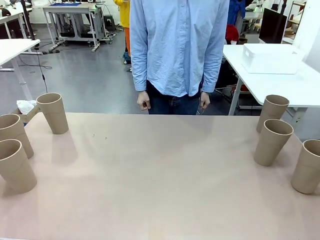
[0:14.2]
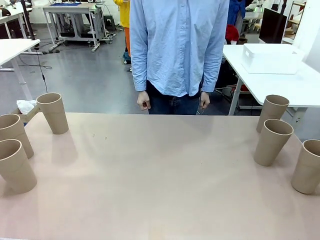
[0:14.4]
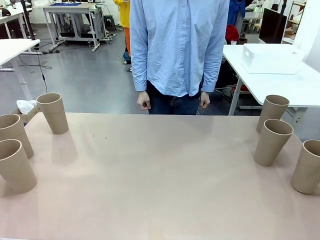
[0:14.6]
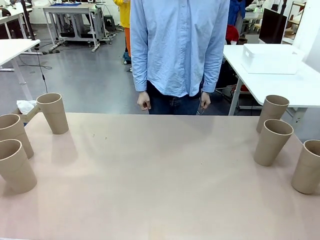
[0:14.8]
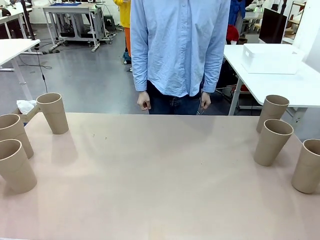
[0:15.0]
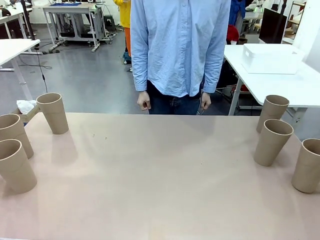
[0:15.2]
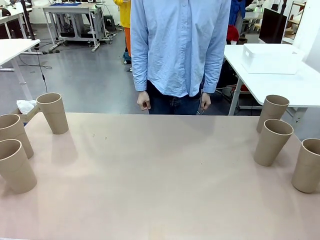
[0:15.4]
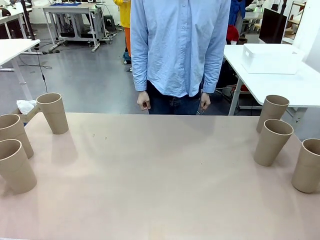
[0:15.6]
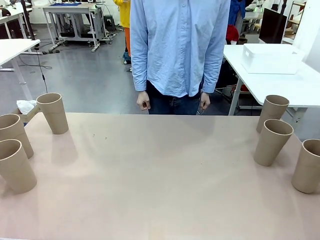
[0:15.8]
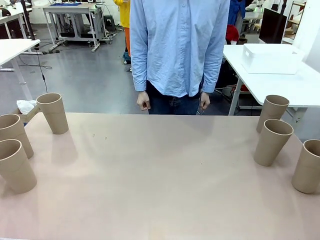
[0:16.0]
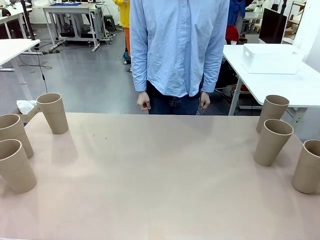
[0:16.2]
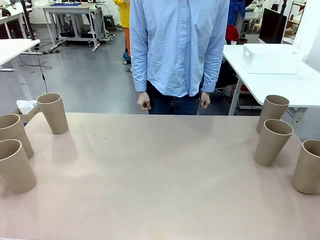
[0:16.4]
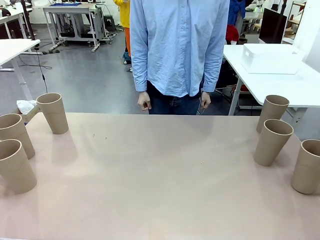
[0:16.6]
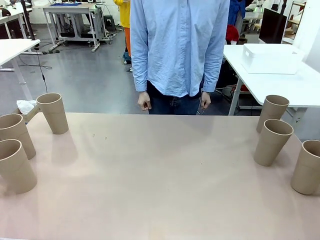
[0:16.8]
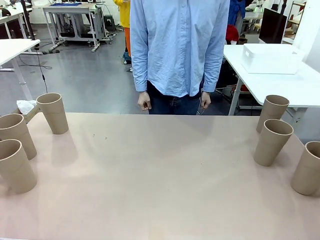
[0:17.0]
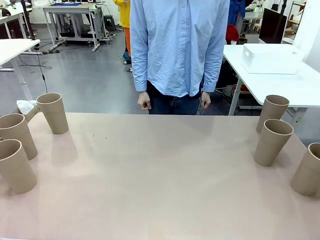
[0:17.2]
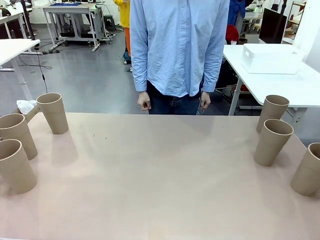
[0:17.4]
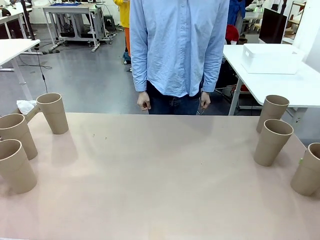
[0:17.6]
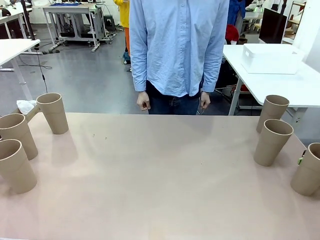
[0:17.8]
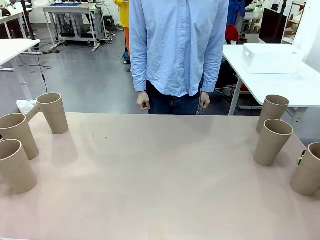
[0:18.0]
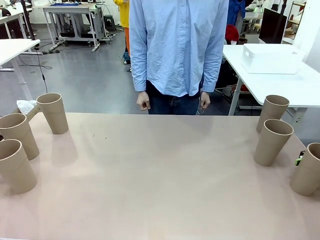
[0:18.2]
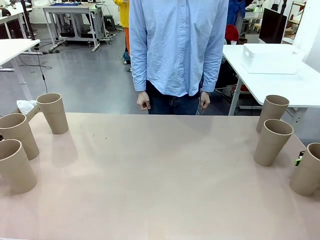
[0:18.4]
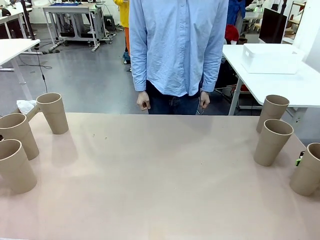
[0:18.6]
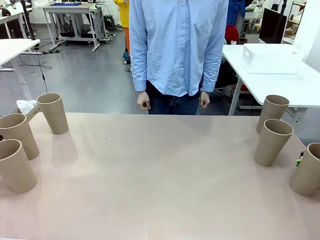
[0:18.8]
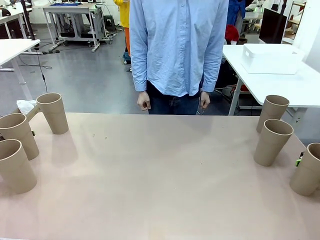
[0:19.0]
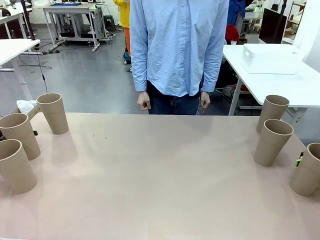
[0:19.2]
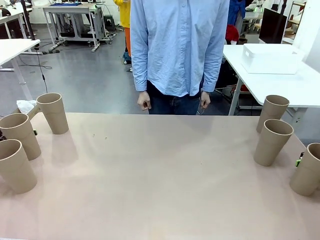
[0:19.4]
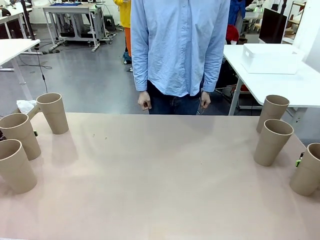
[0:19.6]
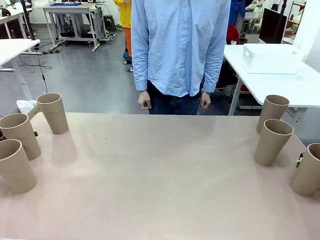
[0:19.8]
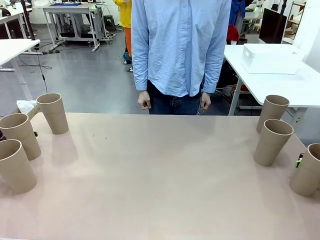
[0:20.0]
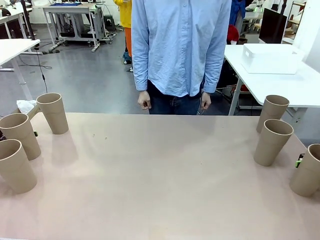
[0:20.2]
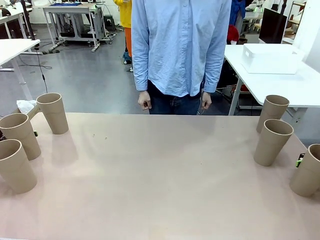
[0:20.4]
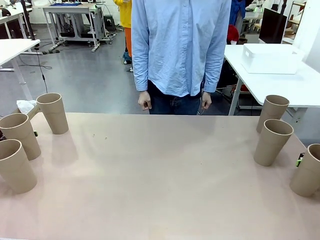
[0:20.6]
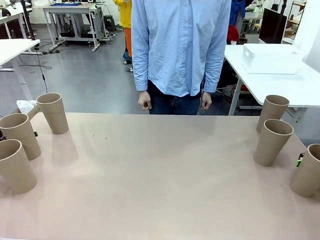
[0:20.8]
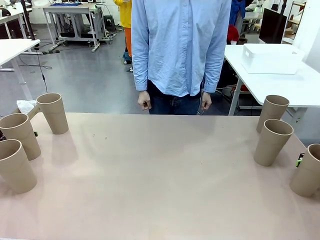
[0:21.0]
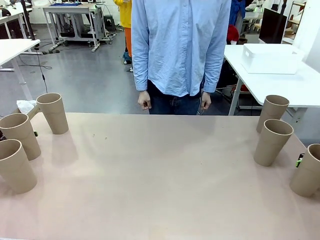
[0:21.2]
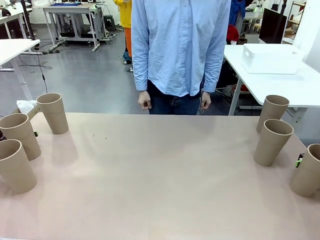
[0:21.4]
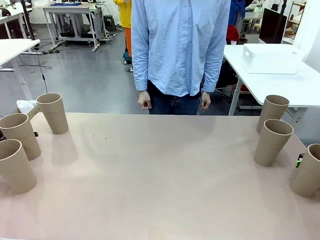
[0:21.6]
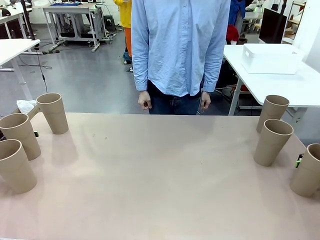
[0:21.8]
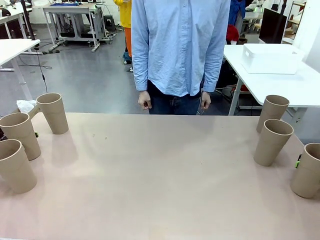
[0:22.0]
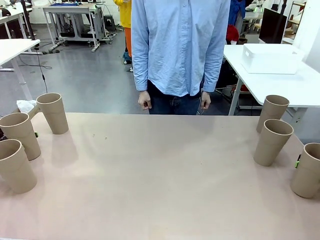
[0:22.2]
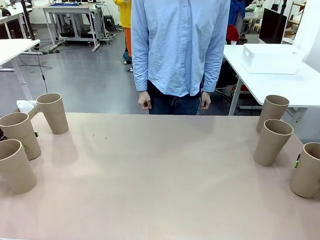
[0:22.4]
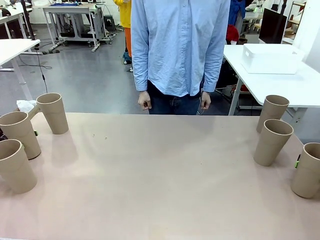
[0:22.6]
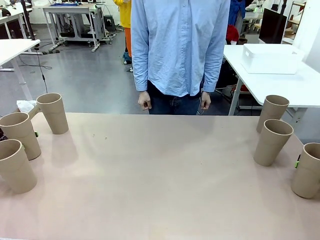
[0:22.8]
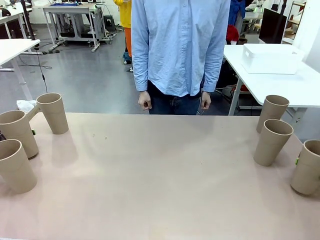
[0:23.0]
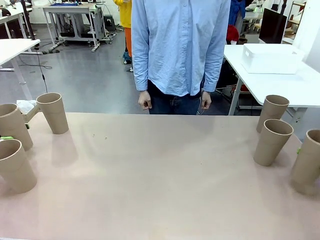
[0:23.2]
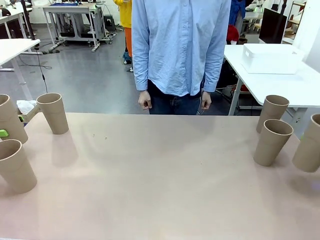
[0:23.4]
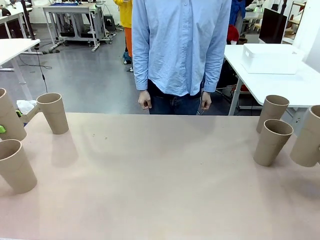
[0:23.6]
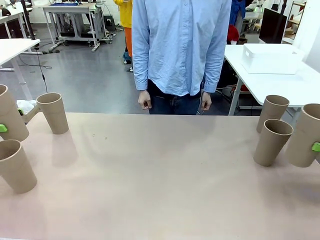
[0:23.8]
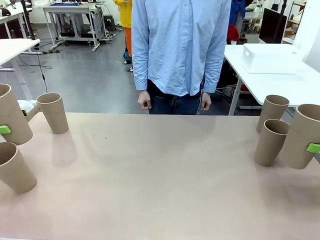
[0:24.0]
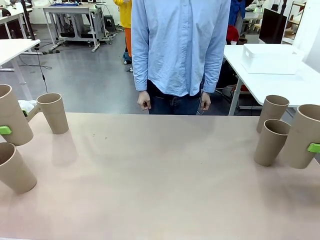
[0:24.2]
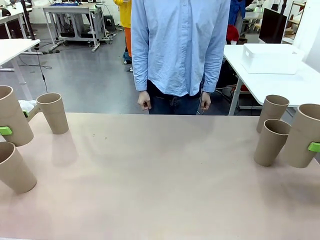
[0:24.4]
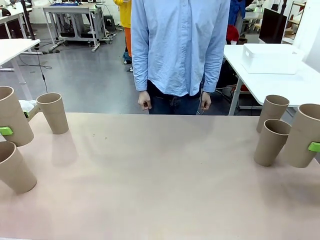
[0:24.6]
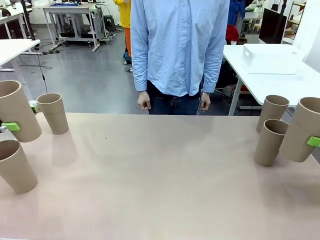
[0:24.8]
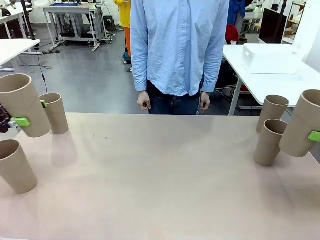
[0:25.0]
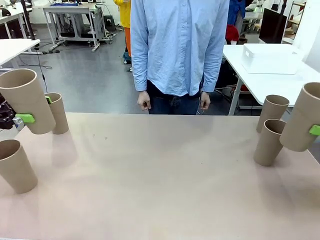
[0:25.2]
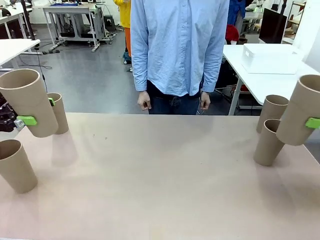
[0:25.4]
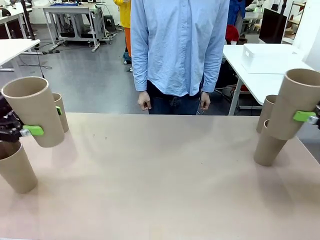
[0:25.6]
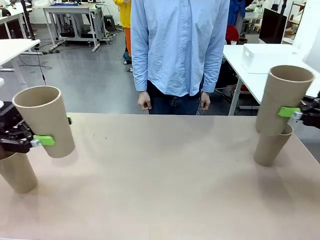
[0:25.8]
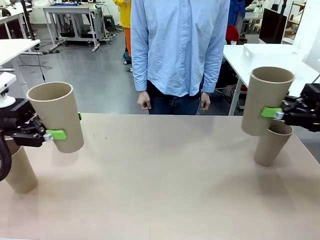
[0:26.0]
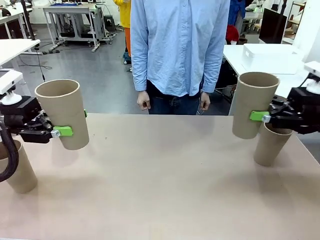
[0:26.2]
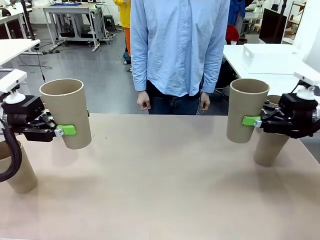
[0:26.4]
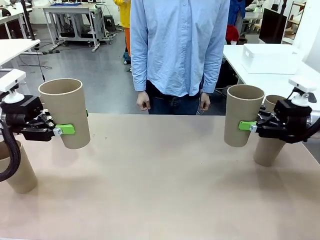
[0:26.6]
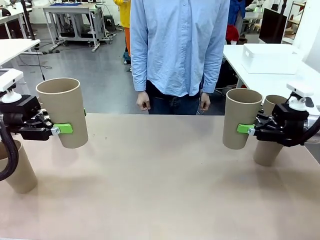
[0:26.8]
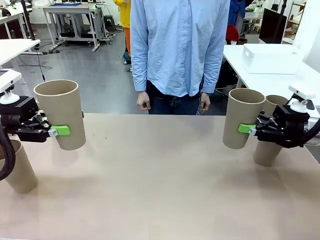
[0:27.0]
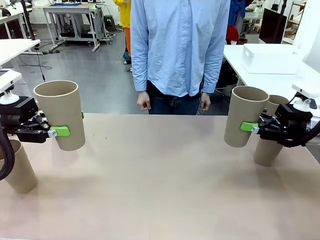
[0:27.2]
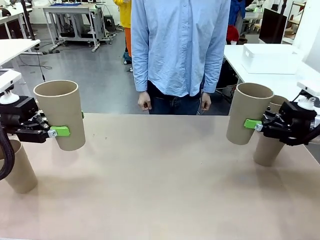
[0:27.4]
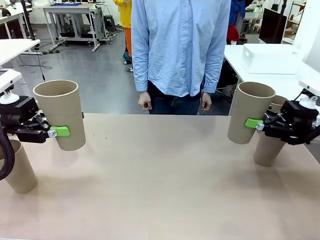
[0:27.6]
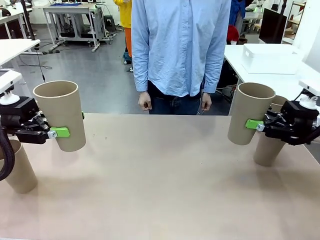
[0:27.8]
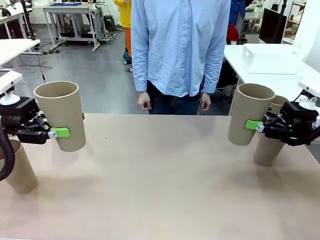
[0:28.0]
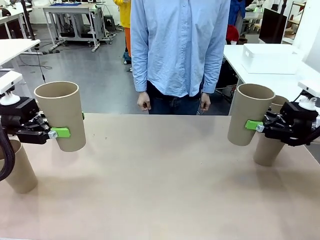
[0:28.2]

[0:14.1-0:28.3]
Task: Stack the cups and store them in the basket.
Robot: Pick up two Reusable plastic cups , one in each hand.
